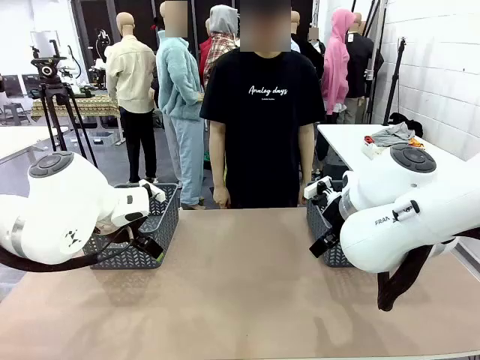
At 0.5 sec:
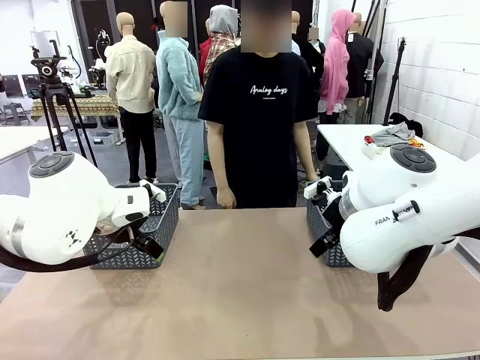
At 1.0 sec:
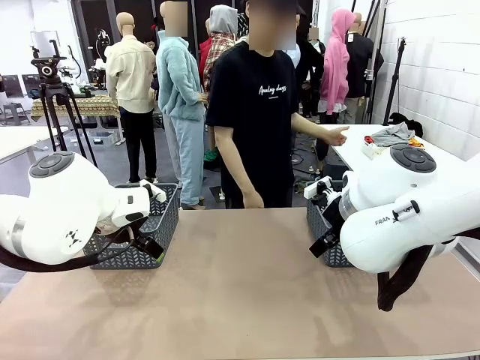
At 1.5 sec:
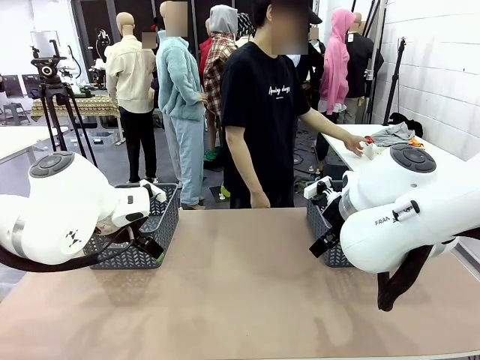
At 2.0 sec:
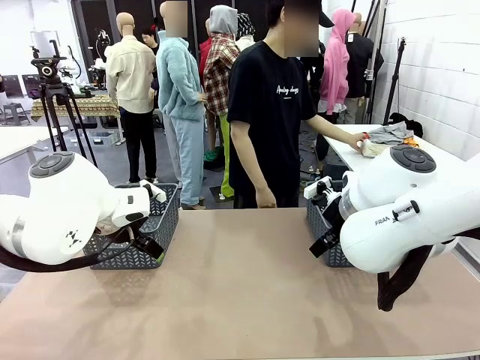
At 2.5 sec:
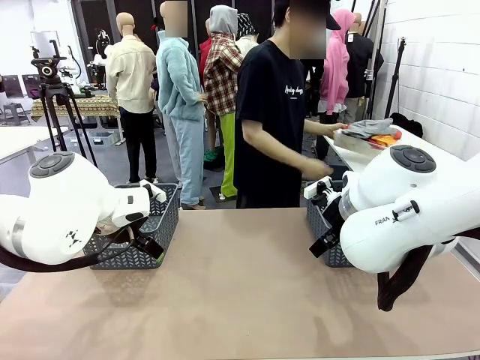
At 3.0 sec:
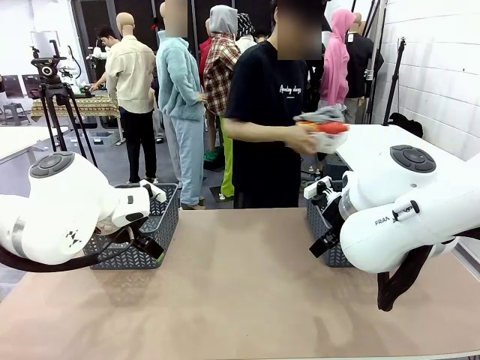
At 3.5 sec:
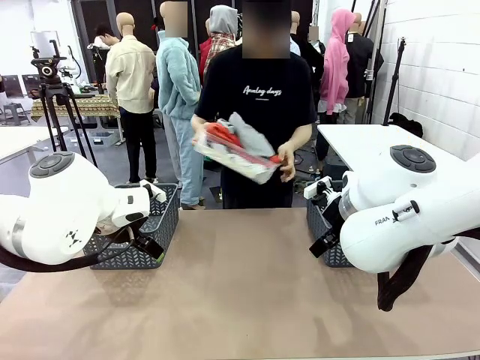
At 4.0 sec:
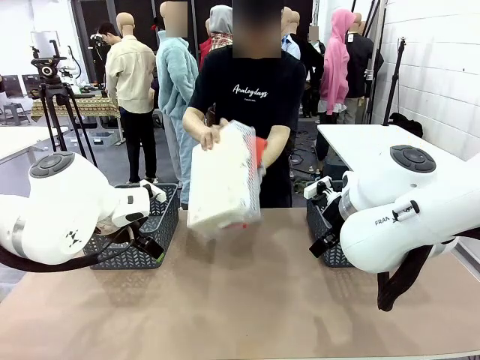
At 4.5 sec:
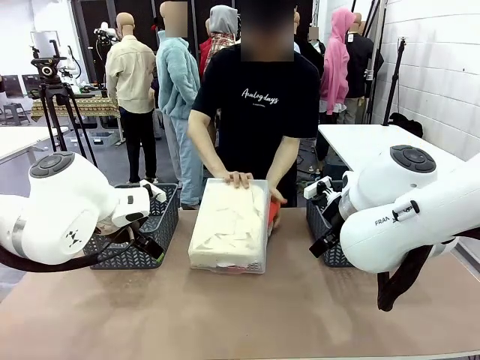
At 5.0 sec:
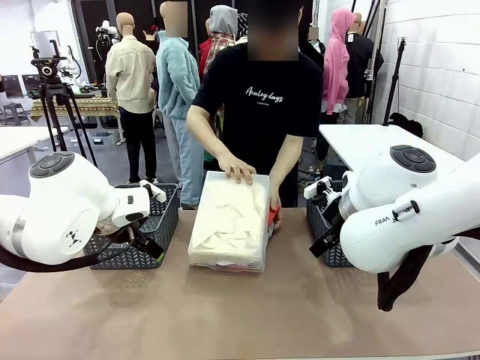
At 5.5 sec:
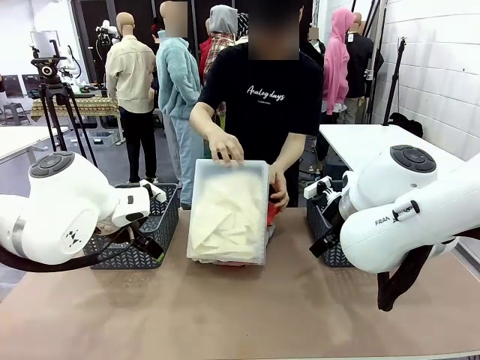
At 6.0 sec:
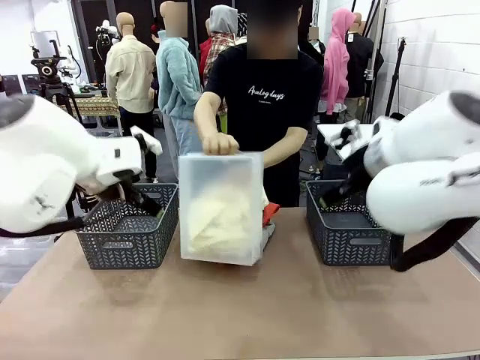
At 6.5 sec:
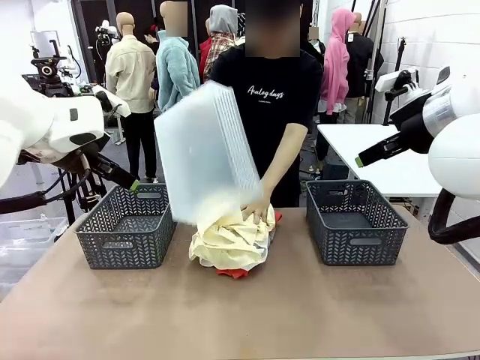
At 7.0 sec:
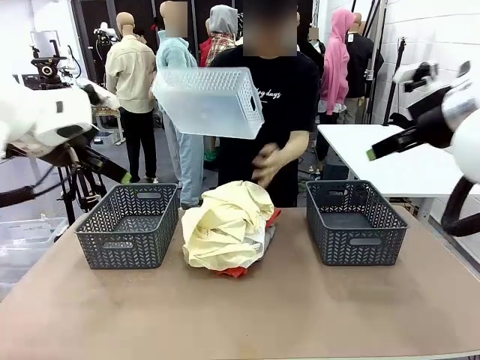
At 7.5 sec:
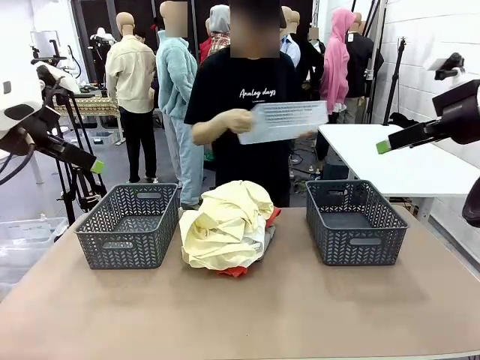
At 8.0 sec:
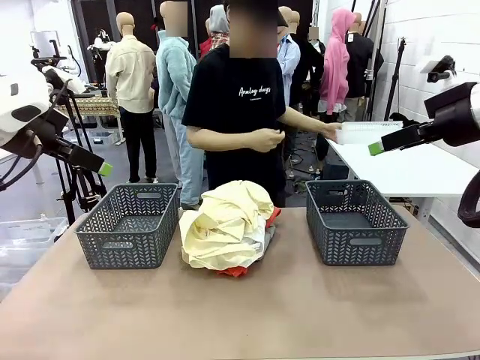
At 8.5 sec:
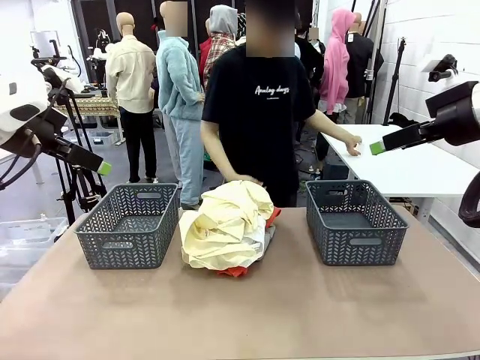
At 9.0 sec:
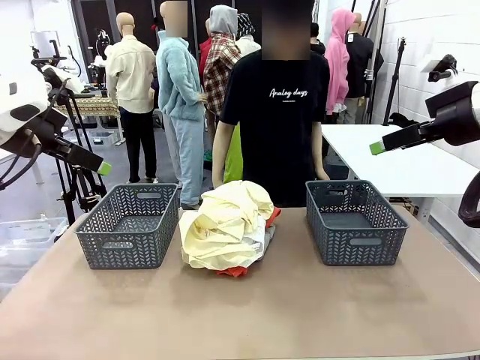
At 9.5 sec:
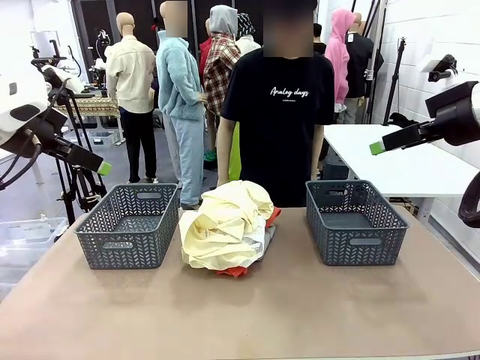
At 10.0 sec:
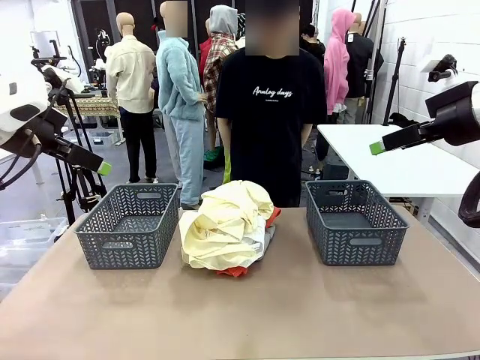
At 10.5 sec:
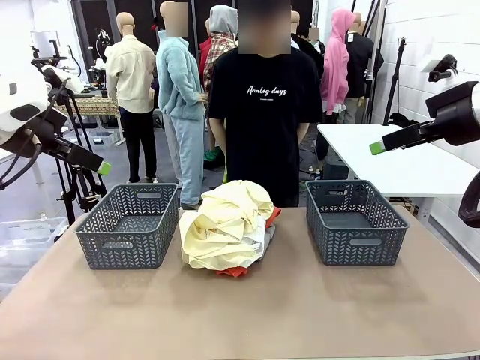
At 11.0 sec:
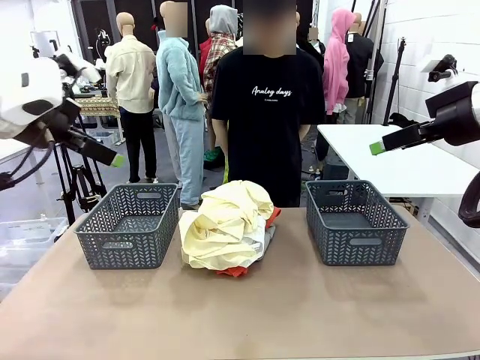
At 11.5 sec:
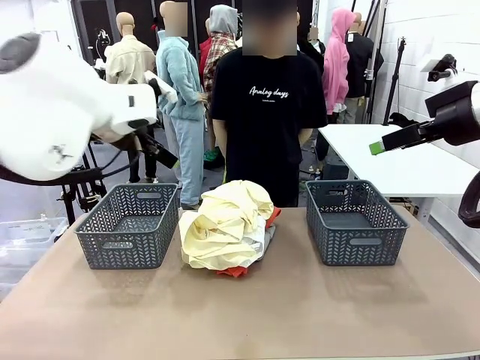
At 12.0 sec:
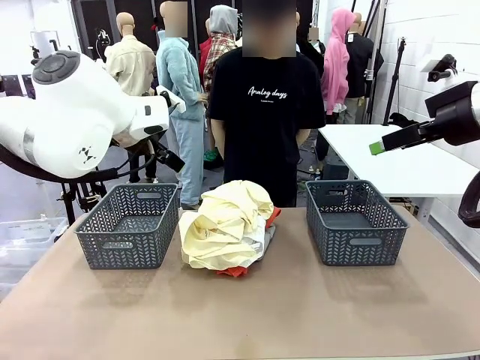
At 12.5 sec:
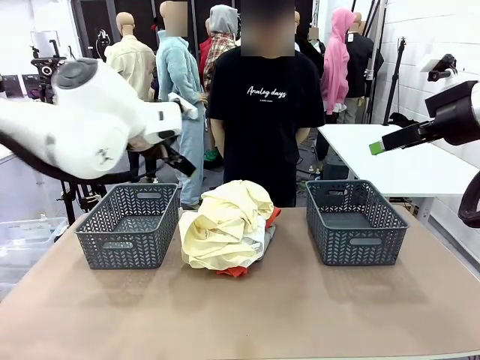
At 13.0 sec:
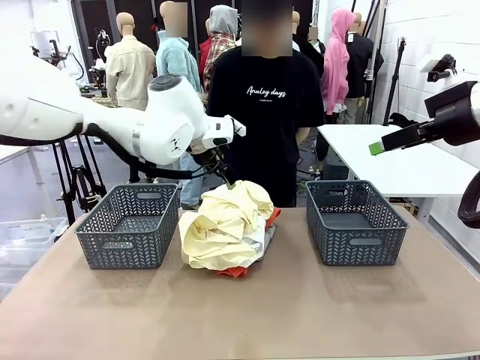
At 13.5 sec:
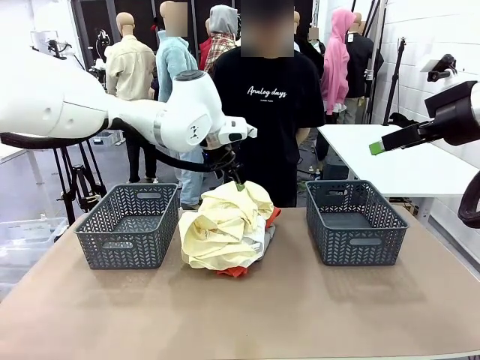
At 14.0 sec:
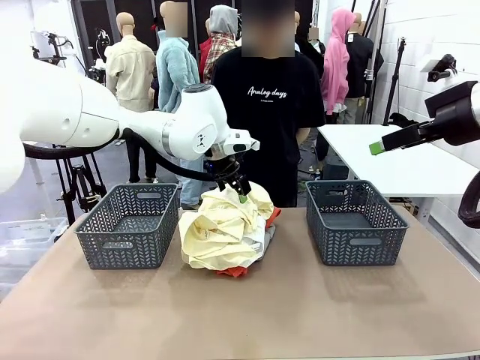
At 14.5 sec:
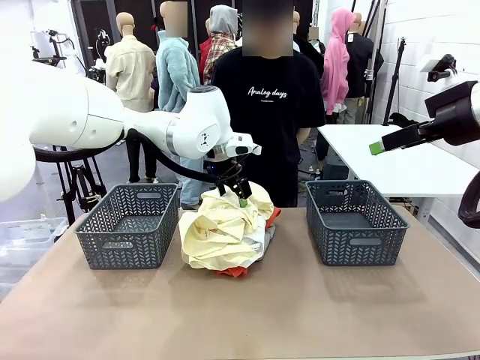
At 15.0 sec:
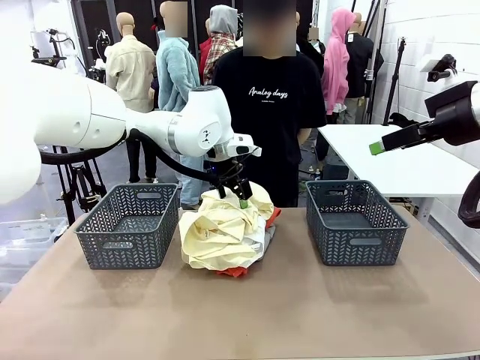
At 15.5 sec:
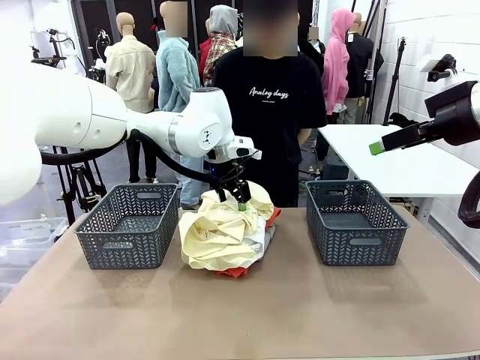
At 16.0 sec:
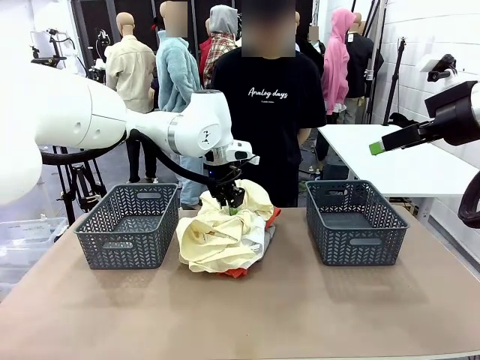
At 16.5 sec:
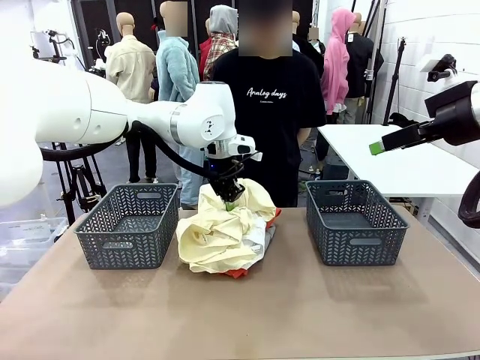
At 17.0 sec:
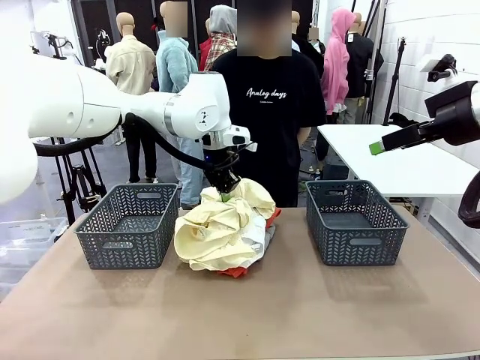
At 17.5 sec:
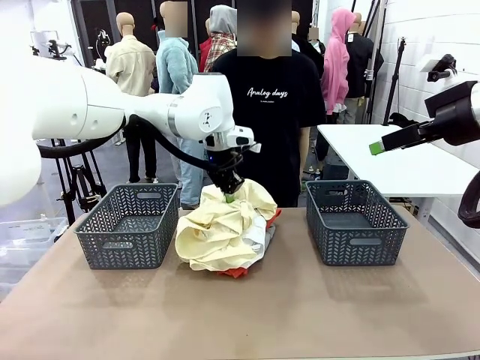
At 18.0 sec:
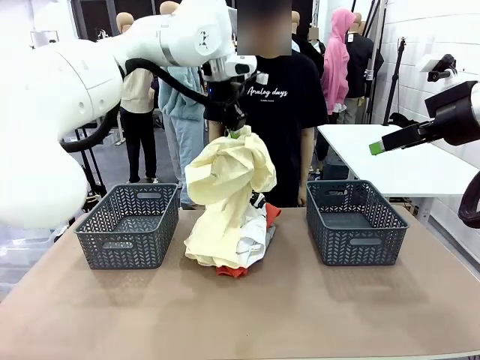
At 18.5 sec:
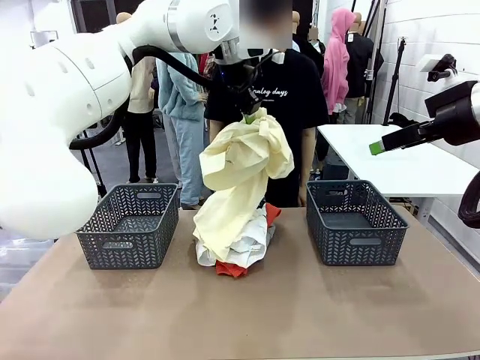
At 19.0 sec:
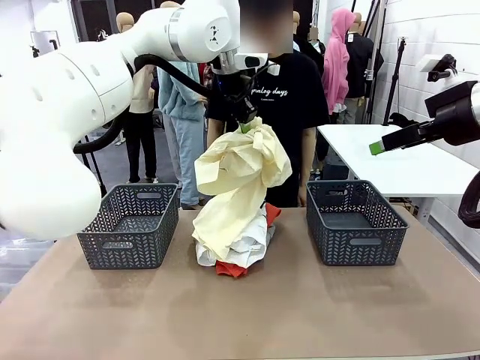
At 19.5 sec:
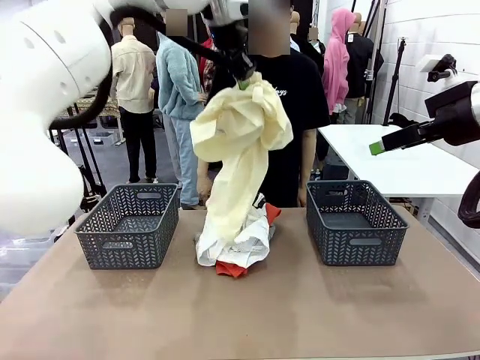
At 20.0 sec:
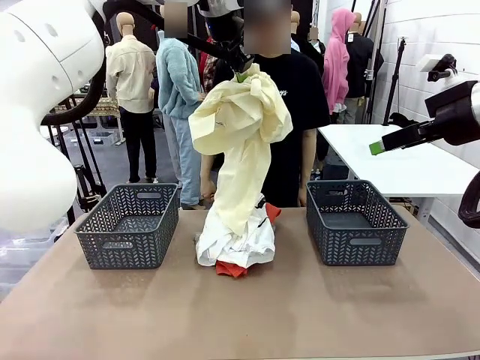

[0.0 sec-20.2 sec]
Task: Sort the tops and bottoms.
Robot: Lift clothes from the center of the table with your left hand.
Person: Pour the clothes from the basket onto the center of the robot table.

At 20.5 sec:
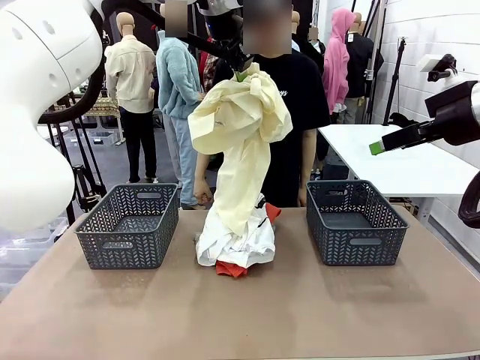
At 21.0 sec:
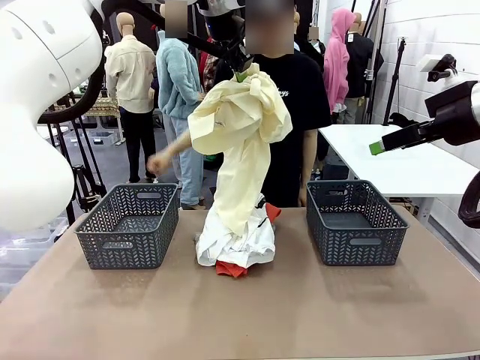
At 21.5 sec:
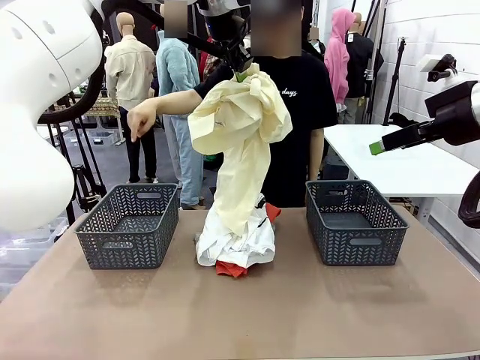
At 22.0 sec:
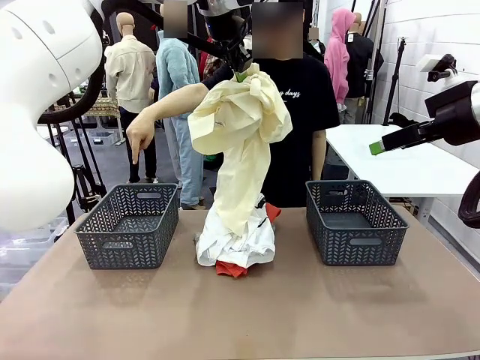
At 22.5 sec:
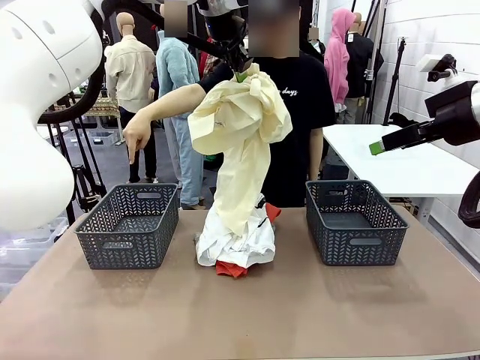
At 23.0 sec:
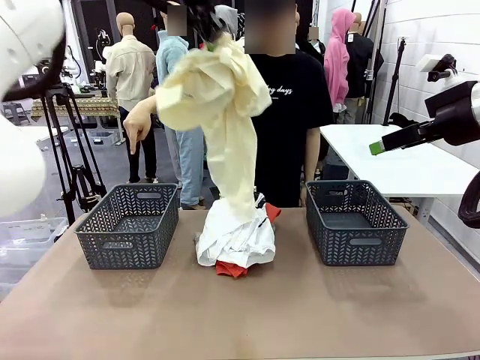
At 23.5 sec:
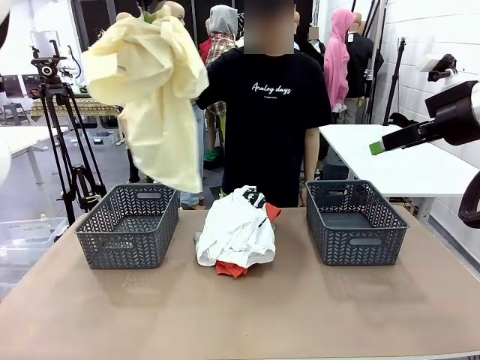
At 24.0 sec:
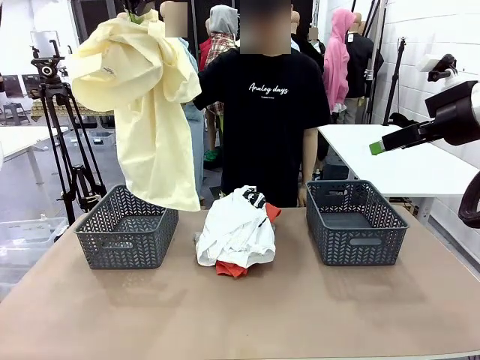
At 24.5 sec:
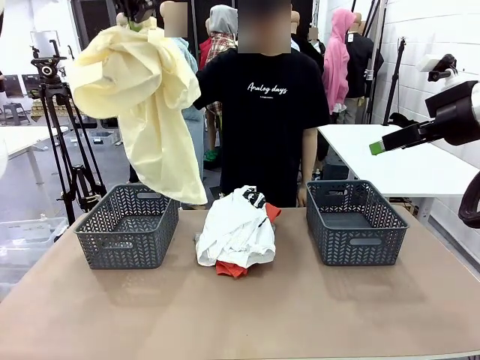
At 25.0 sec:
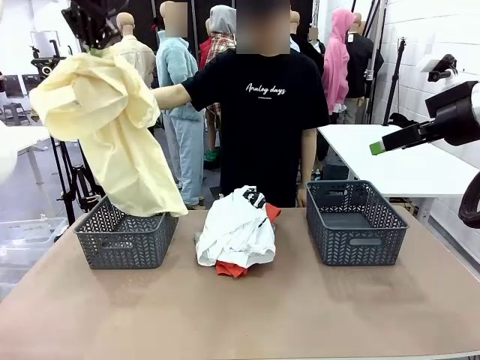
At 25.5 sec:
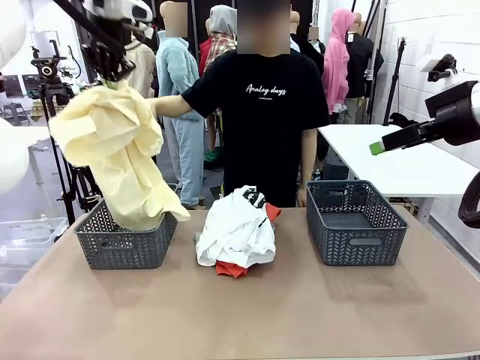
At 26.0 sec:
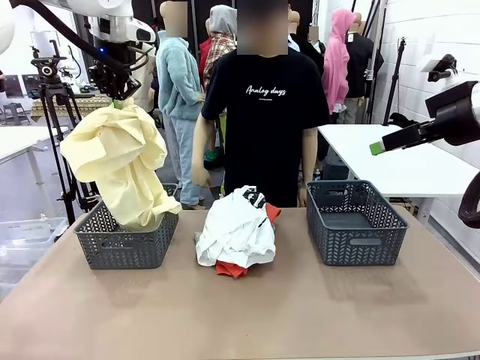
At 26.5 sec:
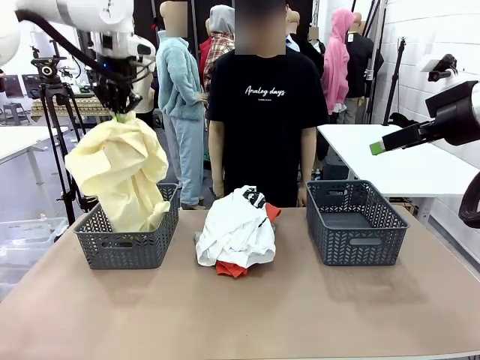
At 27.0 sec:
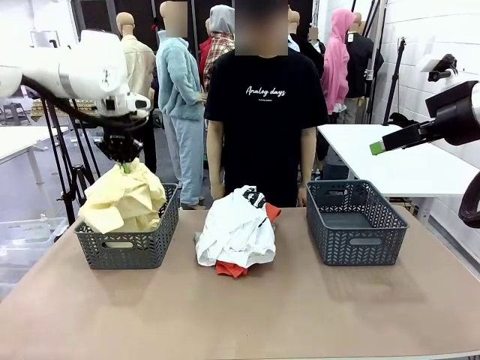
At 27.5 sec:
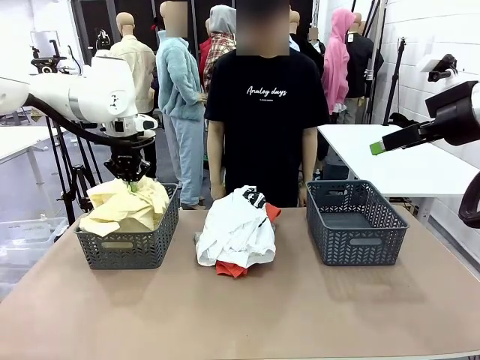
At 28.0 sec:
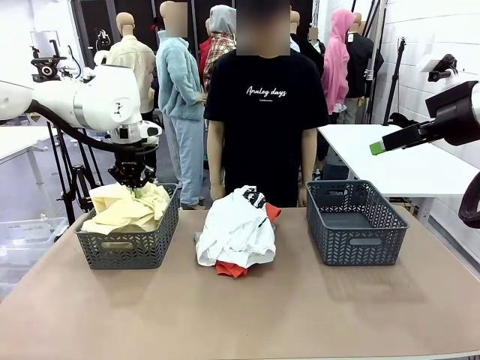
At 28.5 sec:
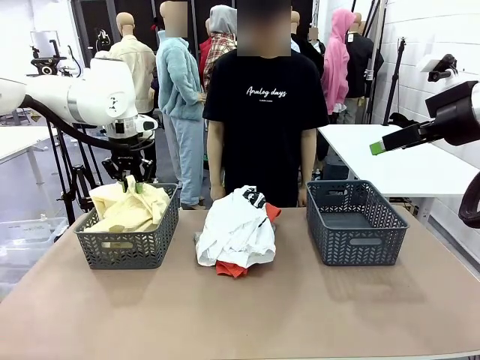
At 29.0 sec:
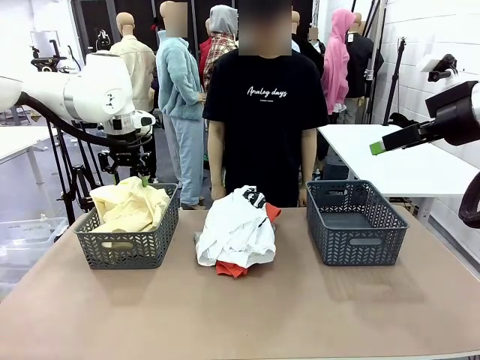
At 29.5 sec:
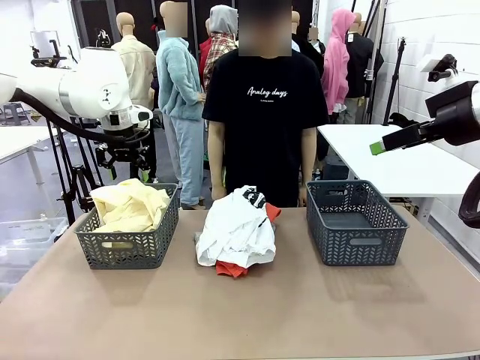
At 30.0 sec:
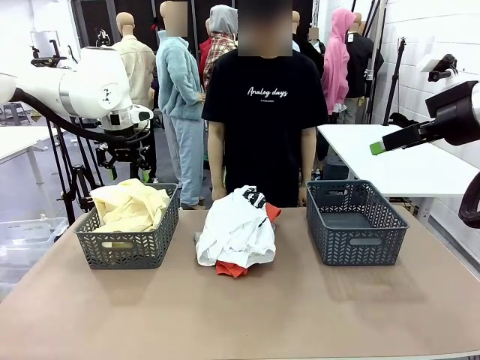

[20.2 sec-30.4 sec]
Robot: Sort the clothes according to human instructions.
